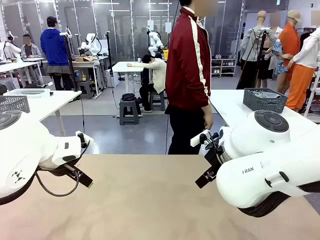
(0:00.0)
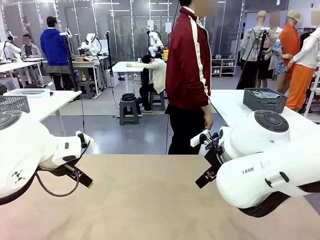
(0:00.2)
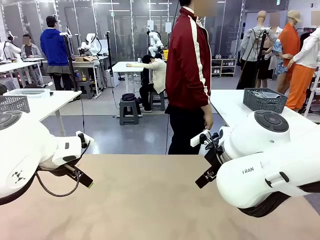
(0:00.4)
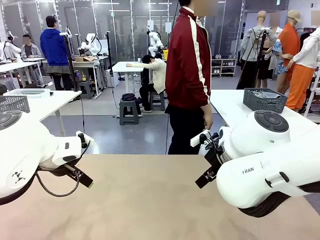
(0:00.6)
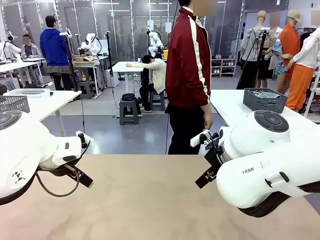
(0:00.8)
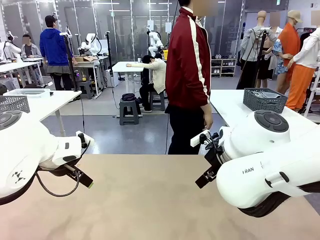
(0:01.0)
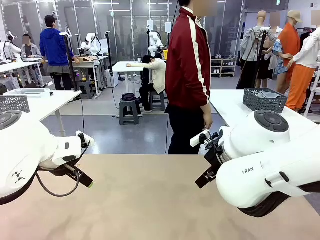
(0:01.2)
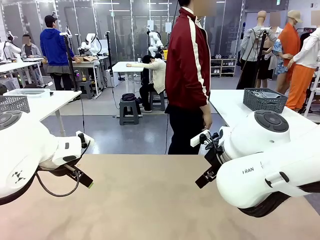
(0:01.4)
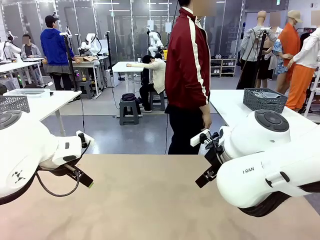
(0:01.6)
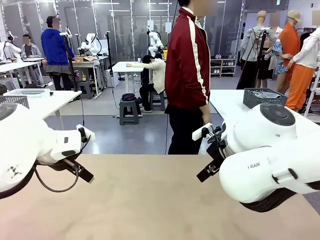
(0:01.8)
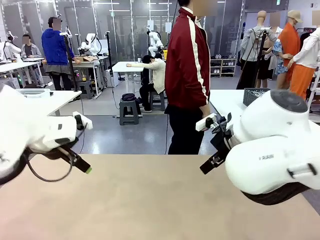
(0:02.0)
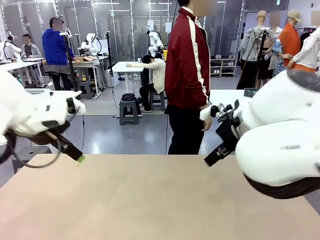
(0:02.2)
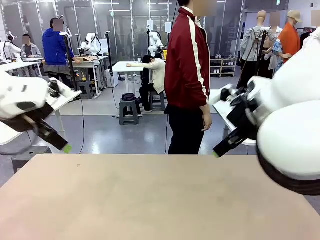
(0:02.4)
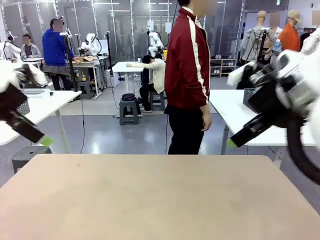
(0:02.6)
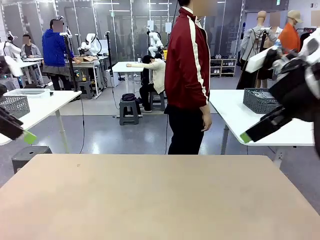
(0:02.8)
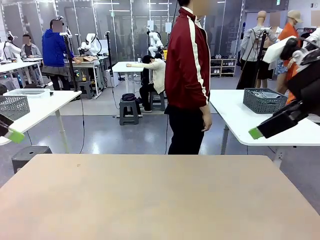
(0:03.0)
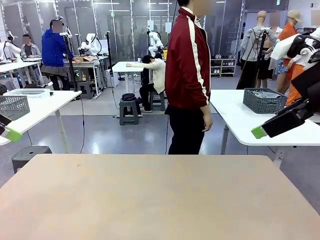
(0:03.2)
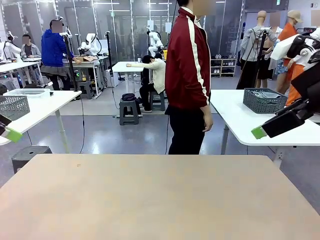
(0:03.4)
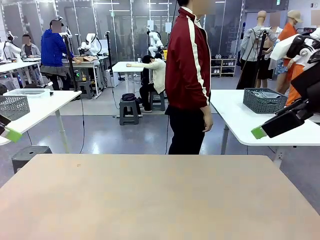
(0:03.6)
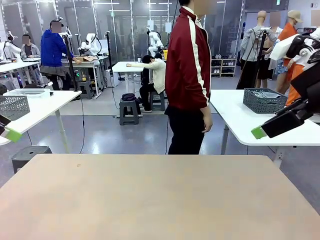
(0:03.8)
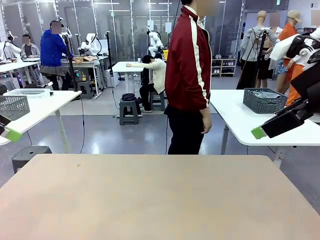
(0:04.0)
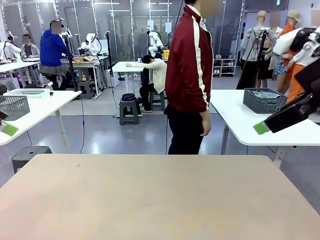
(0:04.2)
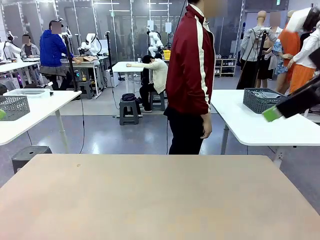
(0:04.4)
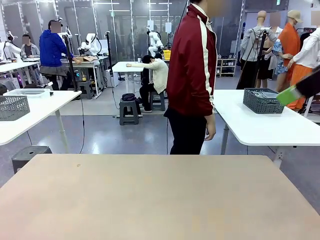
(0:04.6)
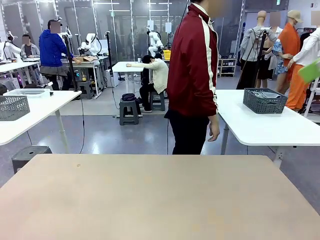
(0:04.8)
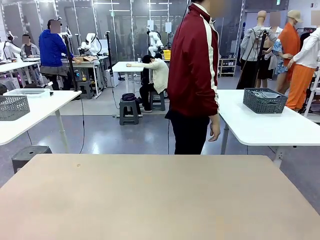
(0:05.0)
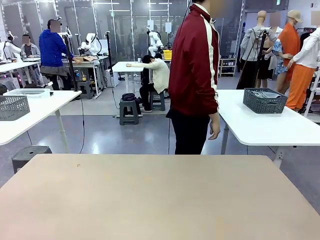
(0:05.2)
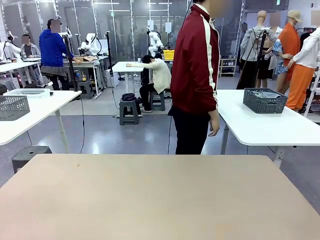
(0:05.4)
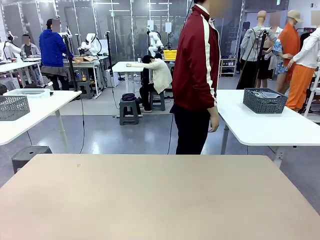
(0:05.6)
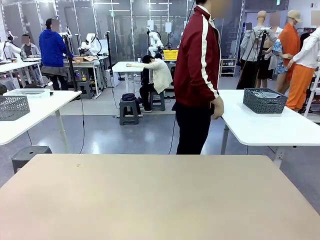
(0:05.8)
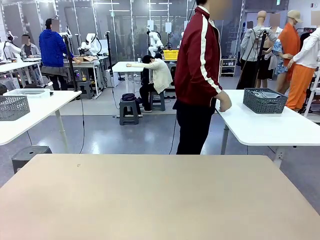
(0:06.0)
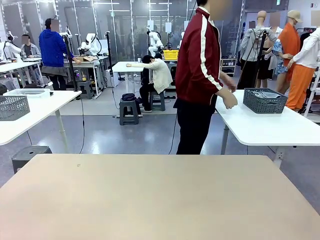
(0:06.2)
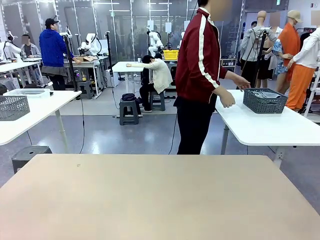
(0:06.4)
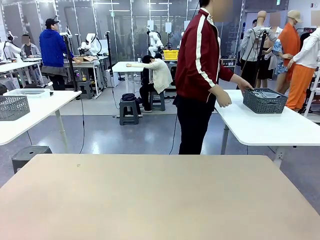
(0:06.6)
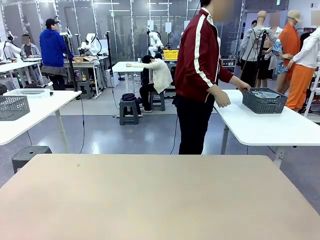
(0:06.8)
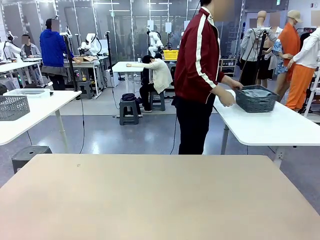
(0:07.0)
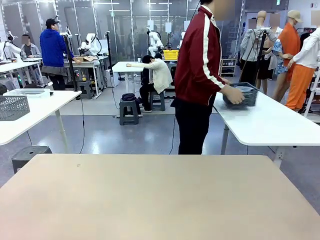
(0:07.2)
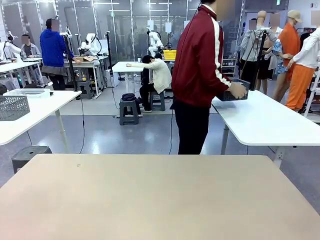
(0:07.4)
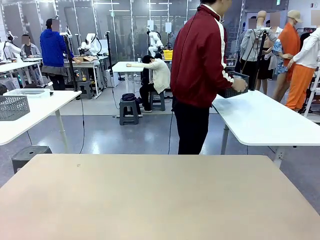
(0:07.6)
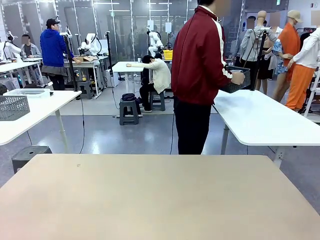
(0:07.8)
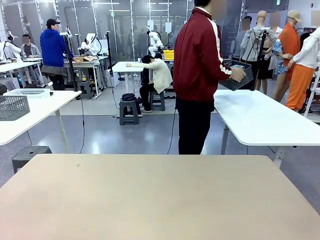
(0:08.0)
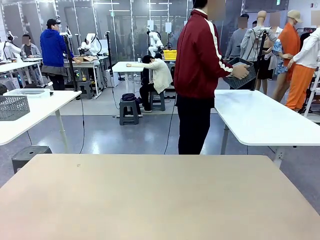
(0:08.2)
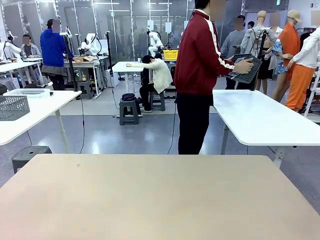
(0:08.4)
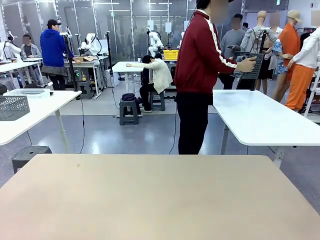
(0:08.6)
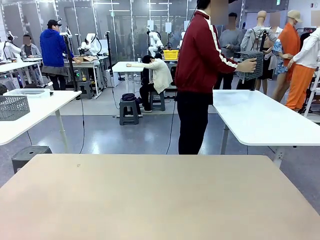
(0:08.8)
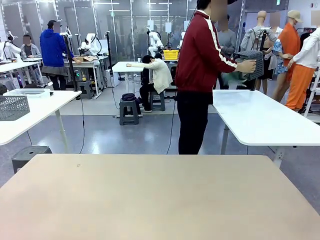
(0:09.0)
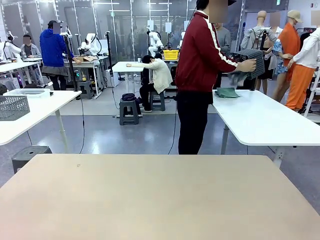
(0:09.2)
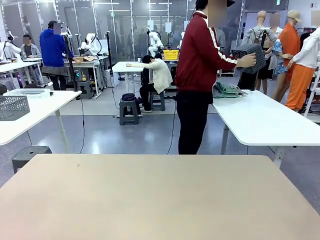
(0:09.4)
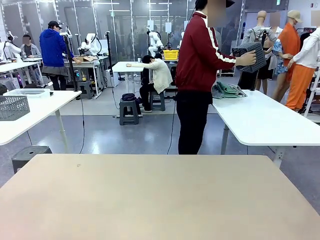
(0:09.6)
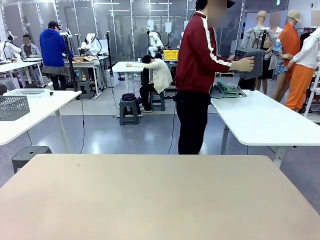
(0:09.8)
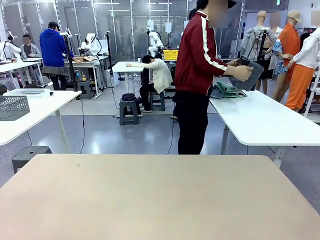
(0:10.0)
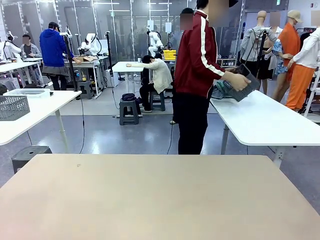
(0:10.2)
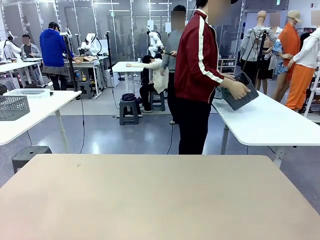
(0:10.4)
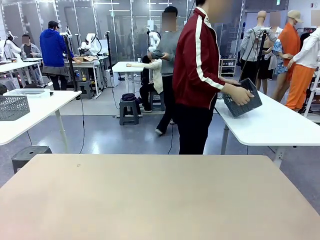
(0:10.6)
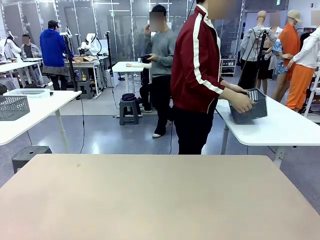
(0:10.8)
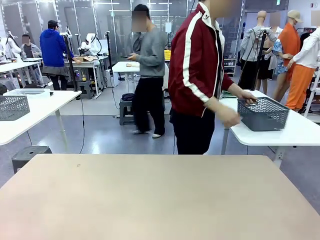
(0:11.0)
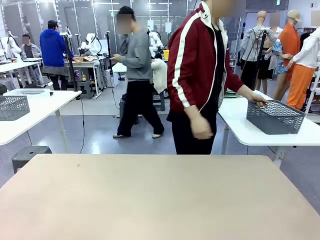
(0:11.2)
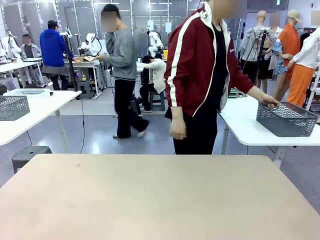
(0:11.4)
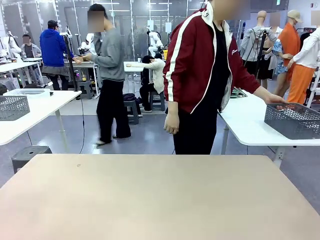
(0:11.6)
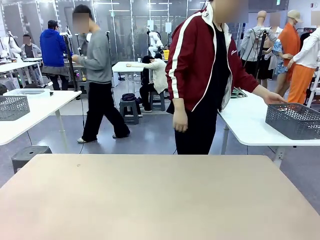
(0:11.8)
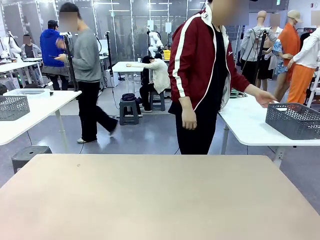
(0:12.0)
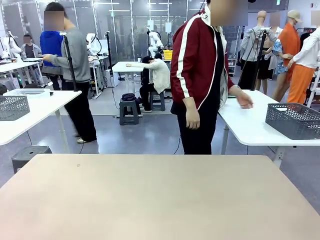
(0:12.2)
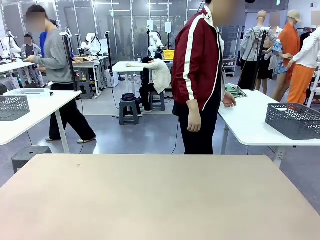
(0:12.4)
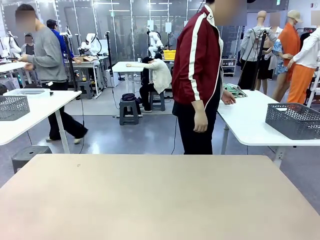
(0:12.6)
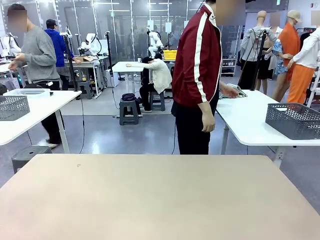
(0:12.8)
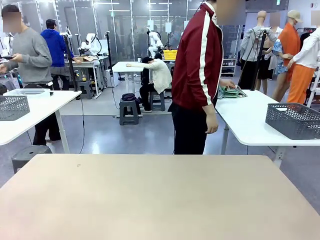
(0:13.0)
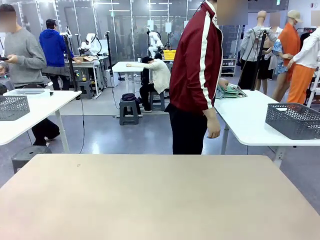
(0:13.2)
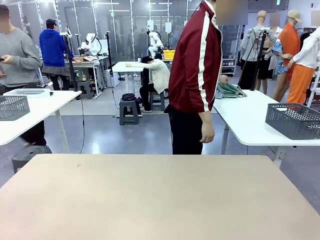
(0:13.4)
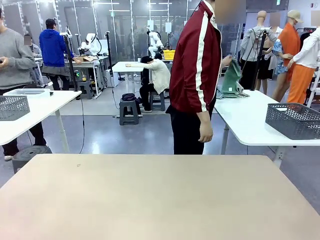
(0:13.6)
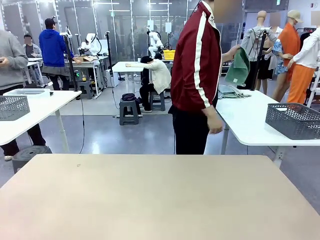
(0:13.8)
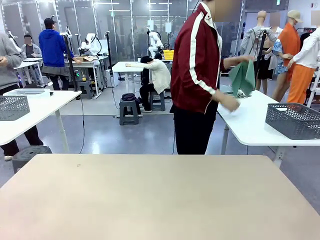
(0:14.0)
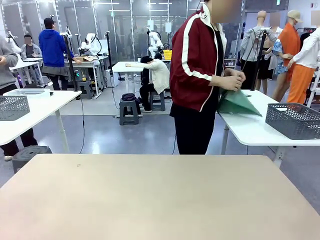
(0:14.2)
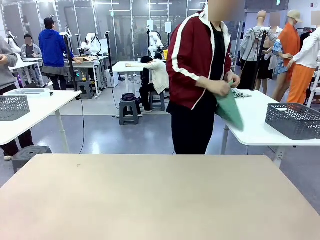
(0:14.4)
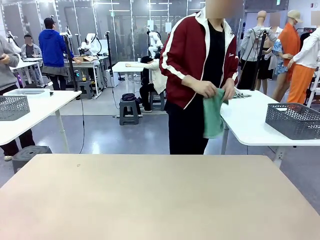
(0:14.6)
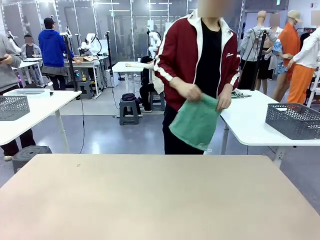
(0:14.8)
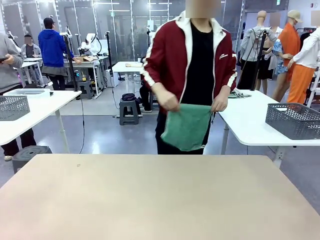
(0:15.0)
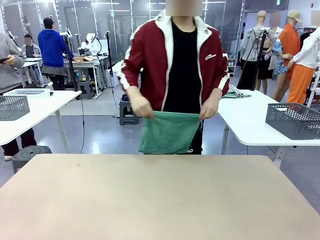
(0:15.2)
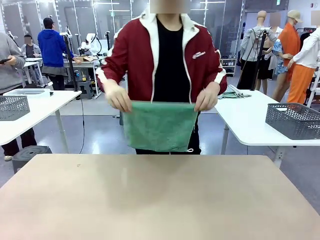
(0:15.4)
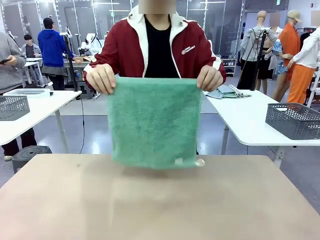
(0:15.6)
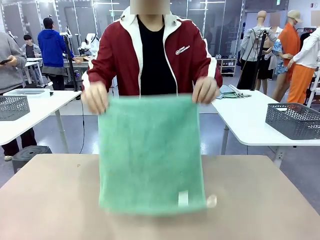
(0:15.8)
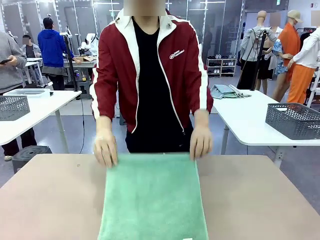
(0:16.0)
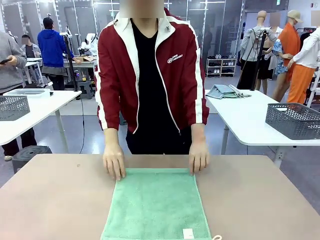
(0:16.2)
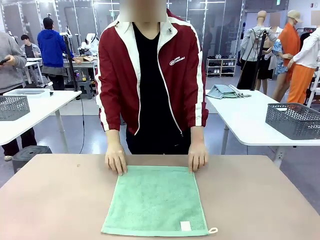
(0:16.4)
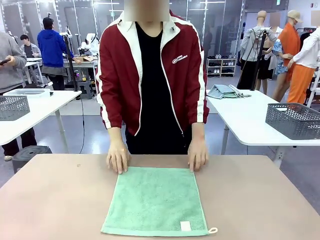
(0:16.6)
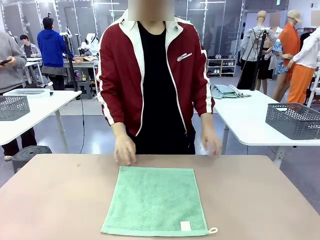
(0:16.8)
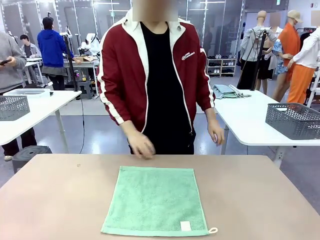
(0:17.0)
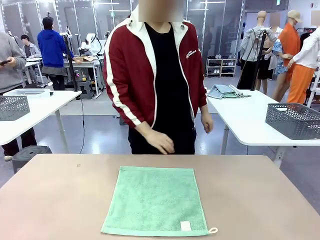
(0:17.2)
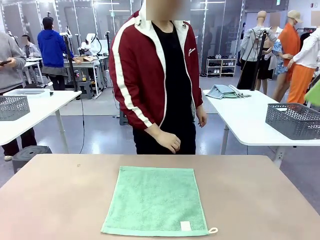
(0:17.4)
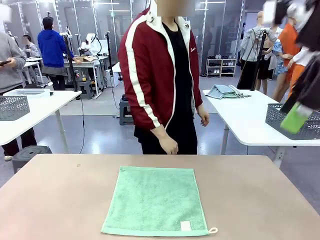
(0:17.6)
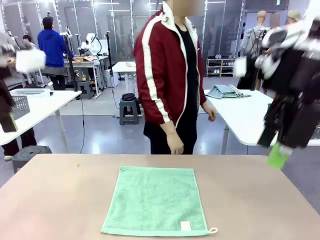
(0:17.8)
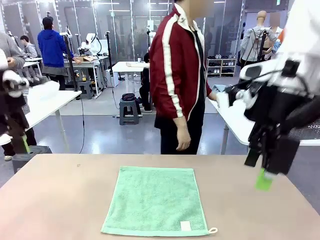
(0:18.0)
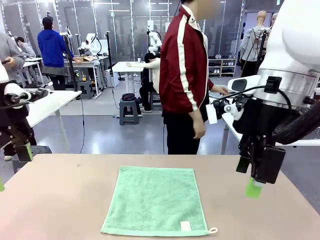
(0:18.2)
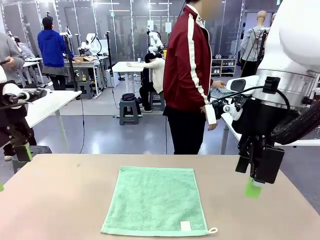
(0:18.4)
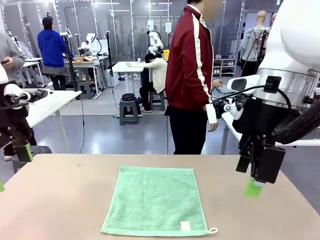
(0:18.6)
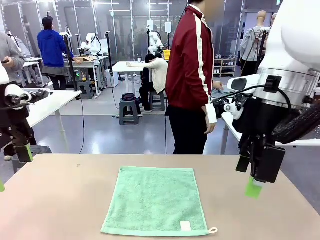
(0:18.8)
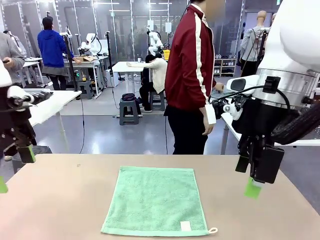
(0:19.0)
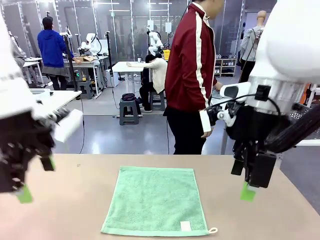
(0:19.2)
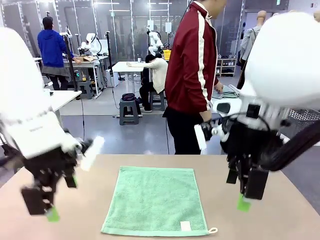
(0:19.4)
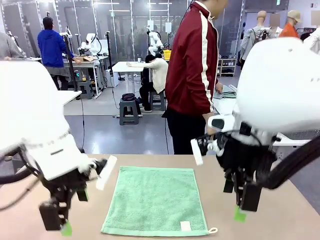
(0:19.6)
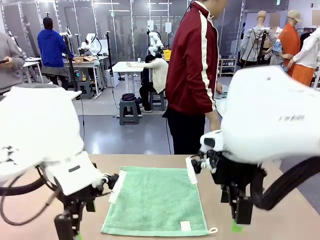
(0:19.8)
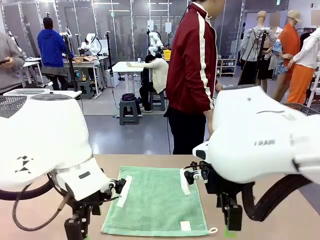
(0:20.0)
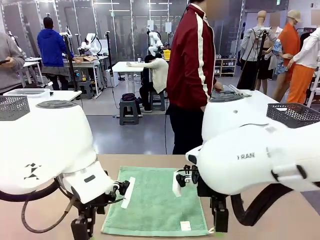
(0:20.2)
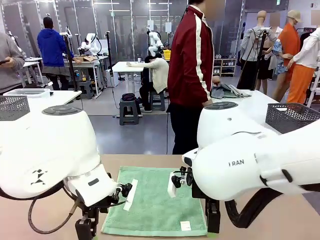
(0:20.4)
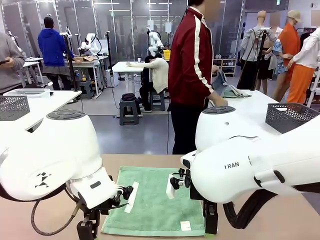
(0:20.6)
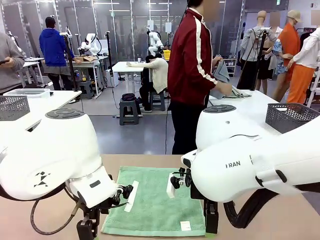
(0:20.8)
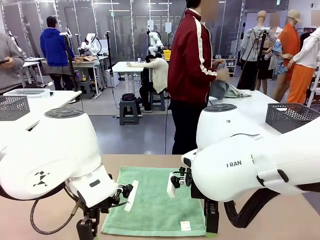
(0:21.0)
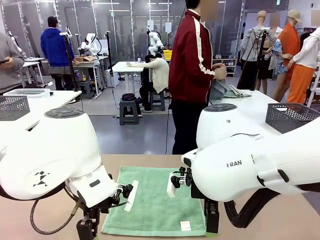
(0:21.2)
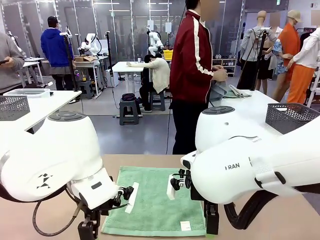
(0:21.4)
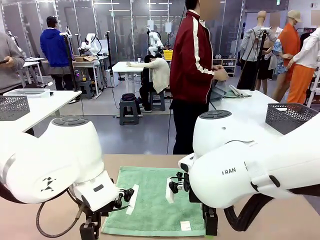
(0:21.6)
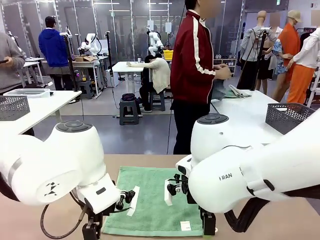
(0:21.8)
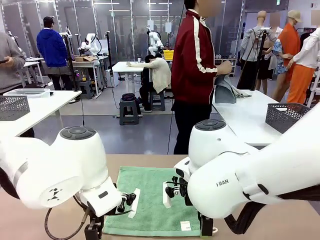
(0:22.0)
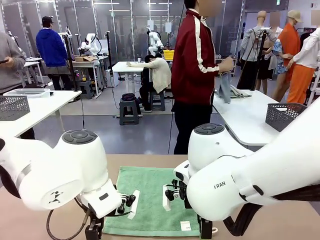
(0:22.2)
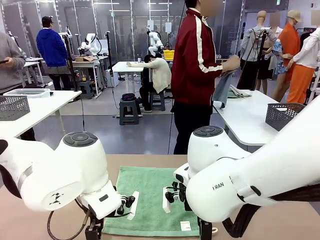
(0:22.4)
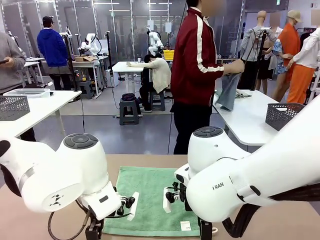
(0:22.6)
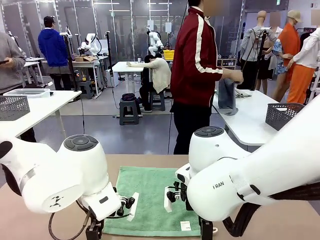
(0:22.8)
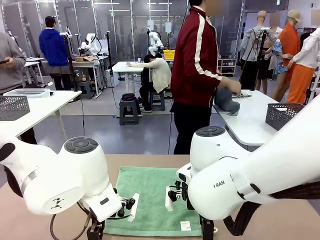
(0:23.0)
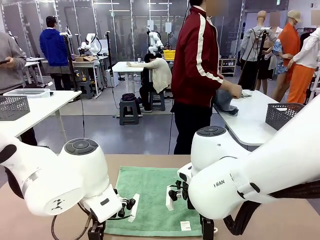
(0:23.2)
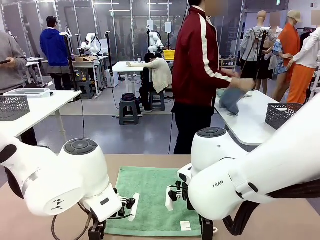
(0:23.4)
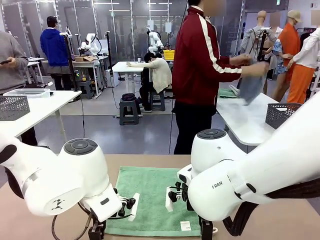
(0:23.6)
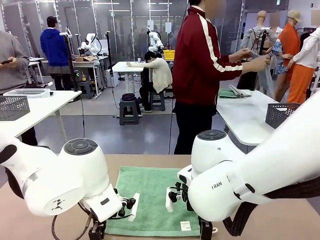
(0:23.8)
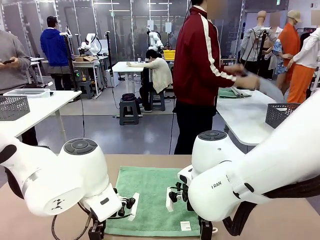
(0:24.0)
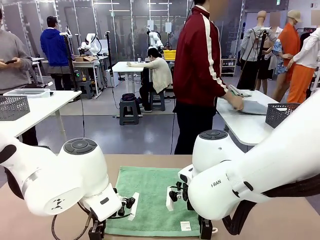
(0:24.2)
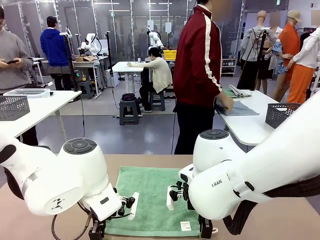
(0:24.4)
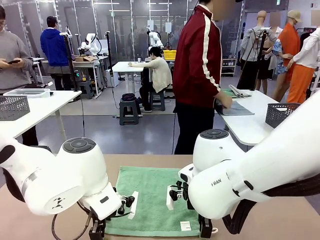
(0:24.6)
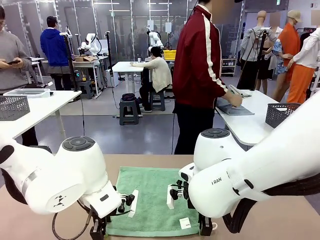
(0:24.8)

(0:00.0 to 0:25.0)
Task: Fold the towels and place them in the basket.
Robot: When a person lays out a Towel with hook on the table, fold it in half twice.
Person: Pick up the basket, pour the towels onto the left side of the human table, and place the basket on the right side. Pick up one towel and spread it out at the center of the robot table. Pick up one towel from the left side of the human table, fold it in half twice, and place it on the right side of the table.
